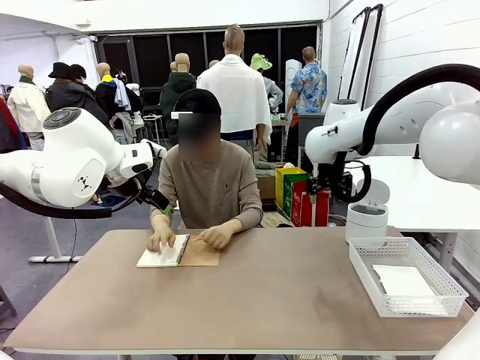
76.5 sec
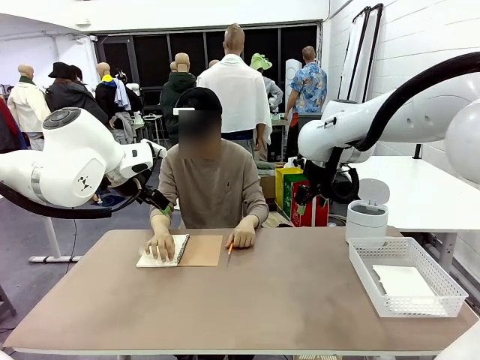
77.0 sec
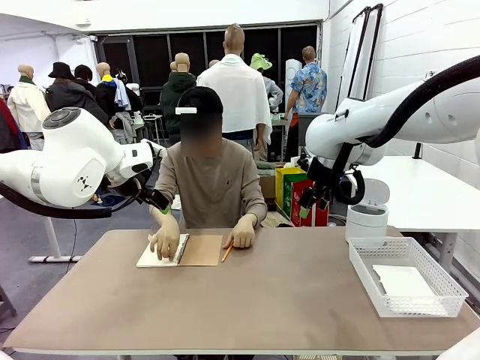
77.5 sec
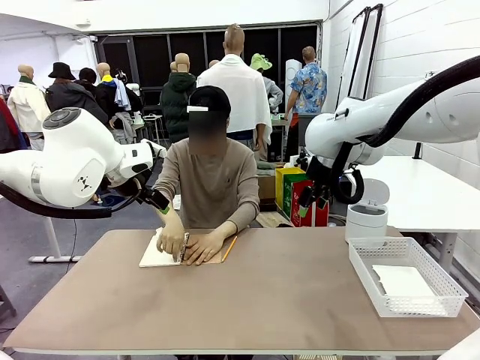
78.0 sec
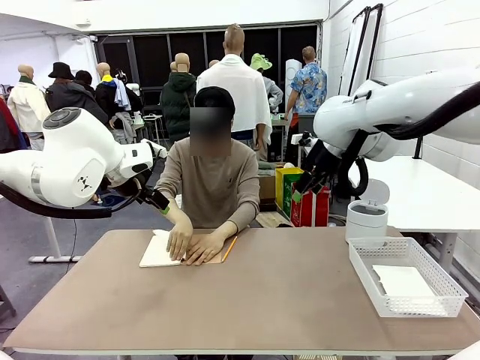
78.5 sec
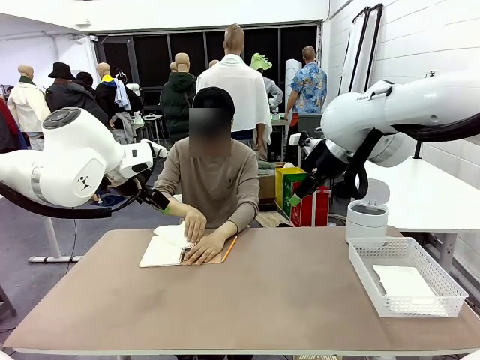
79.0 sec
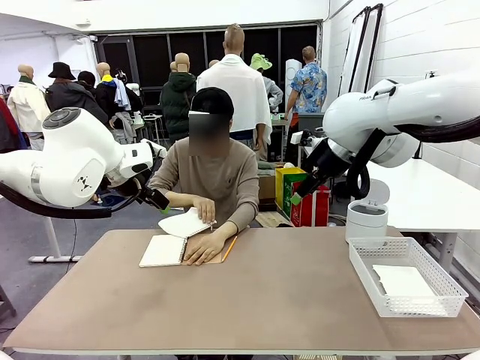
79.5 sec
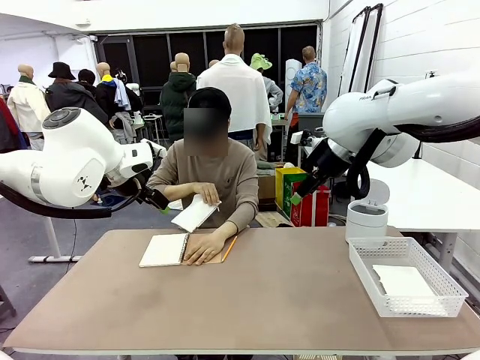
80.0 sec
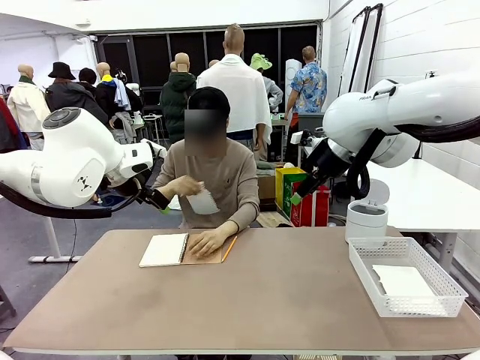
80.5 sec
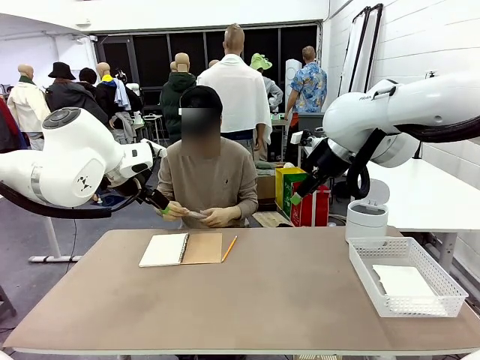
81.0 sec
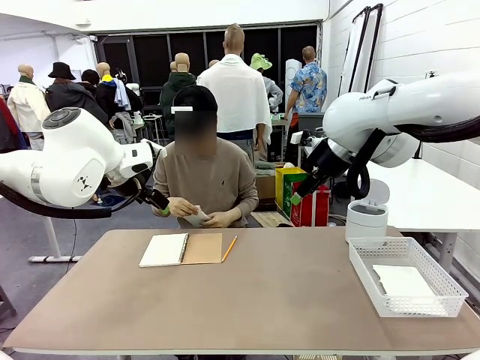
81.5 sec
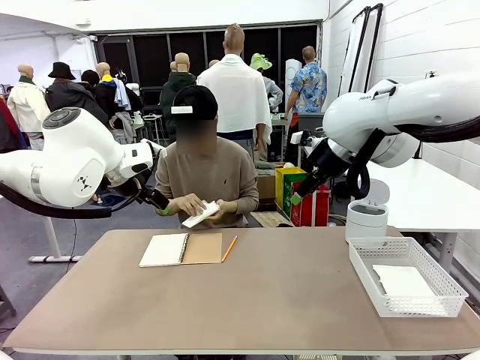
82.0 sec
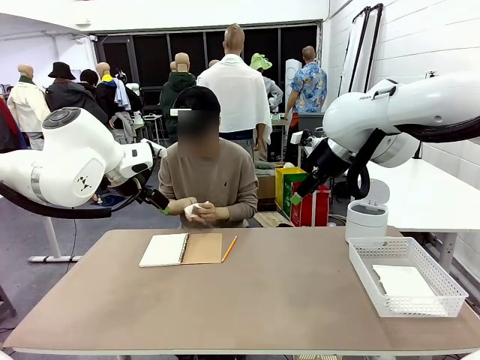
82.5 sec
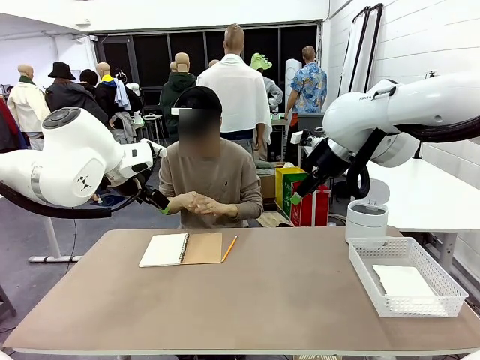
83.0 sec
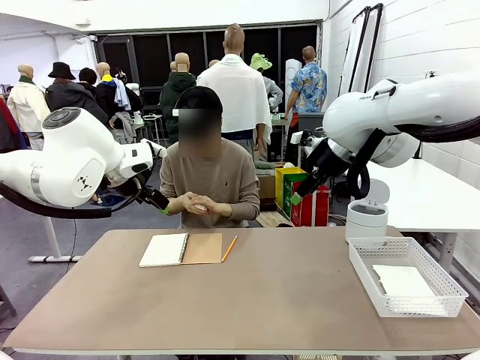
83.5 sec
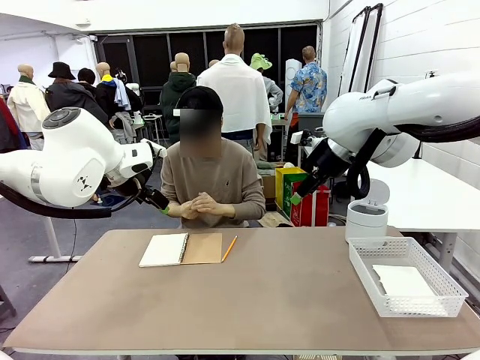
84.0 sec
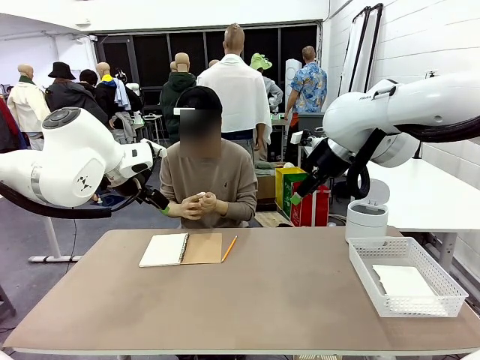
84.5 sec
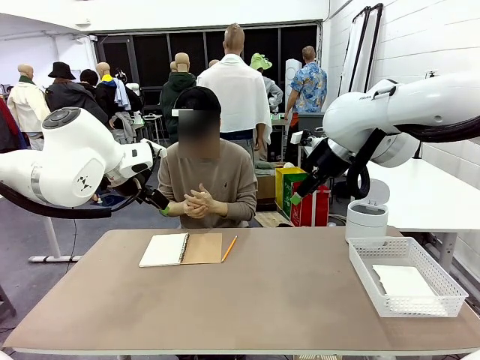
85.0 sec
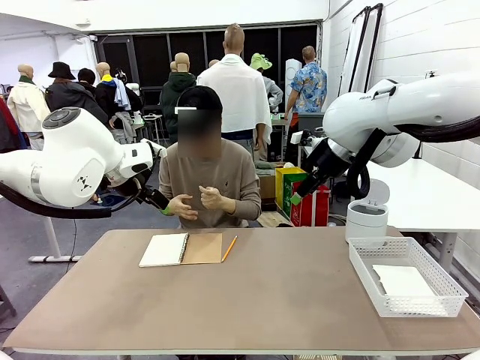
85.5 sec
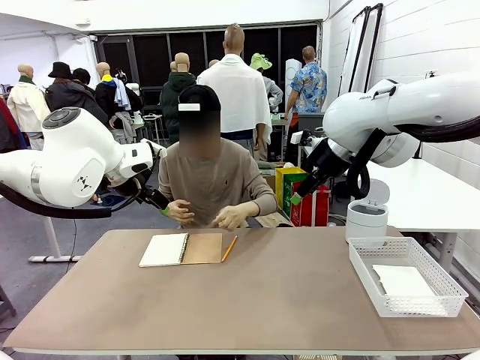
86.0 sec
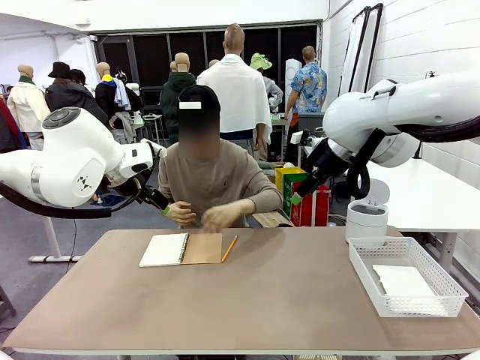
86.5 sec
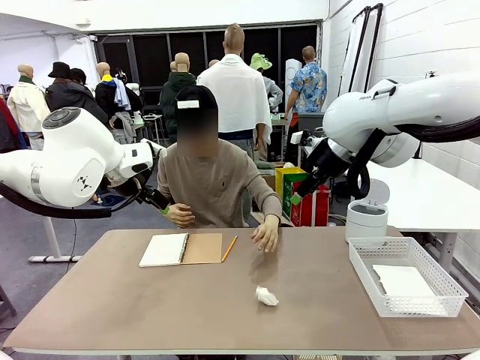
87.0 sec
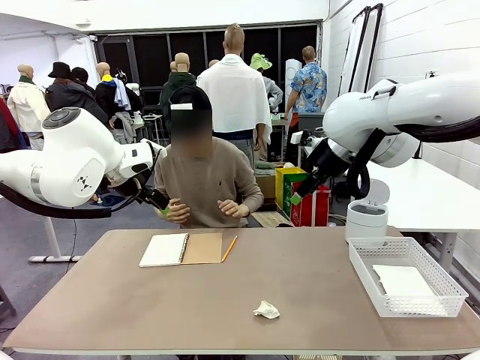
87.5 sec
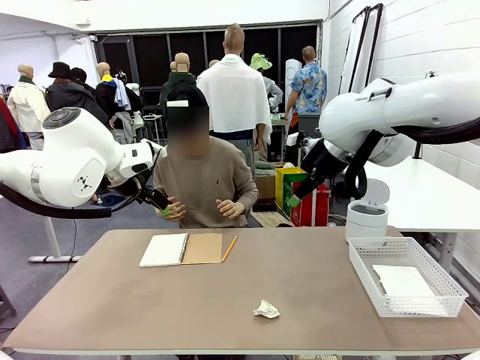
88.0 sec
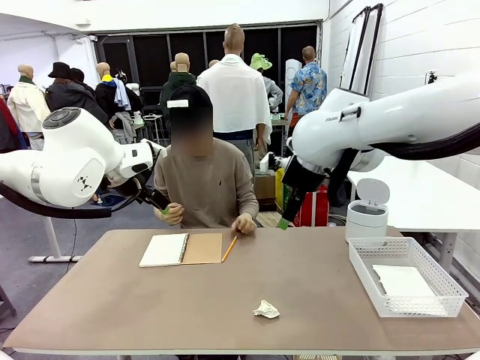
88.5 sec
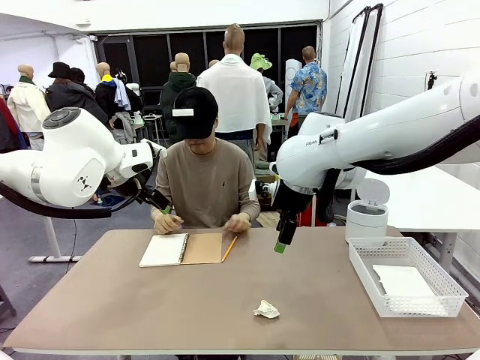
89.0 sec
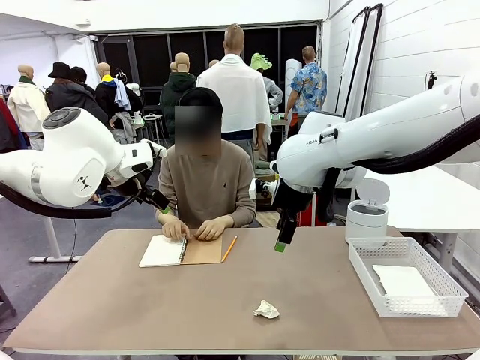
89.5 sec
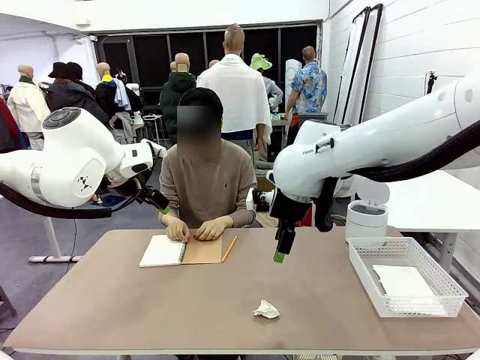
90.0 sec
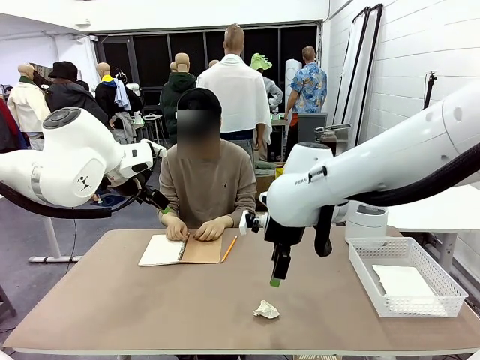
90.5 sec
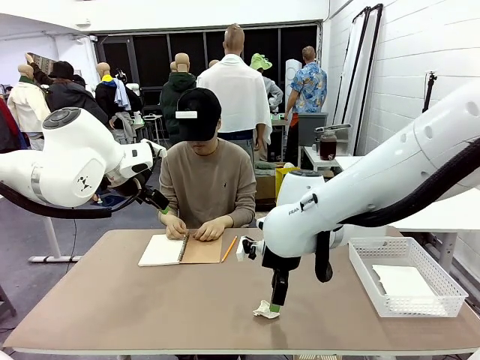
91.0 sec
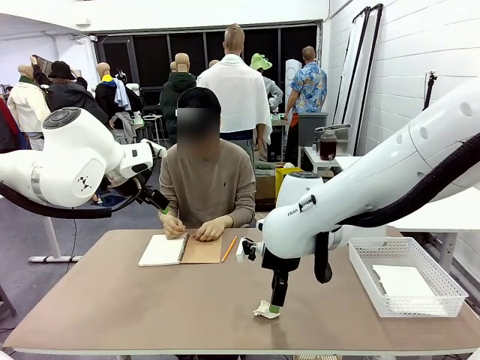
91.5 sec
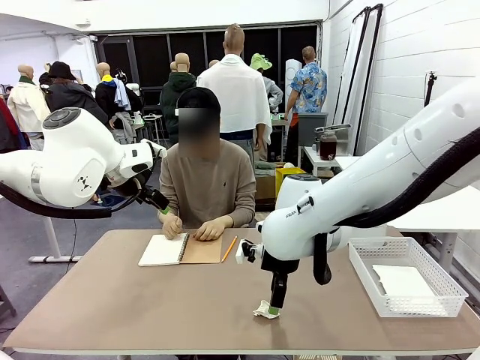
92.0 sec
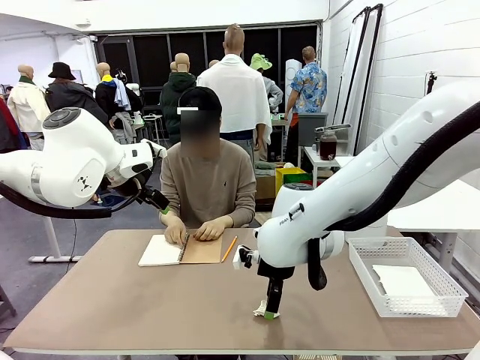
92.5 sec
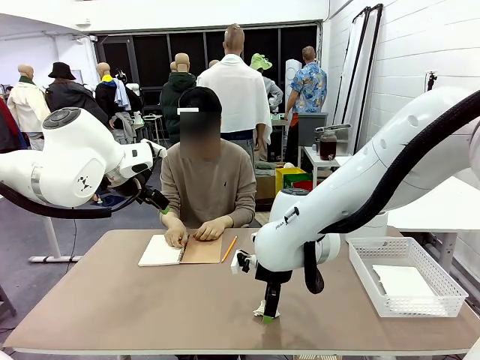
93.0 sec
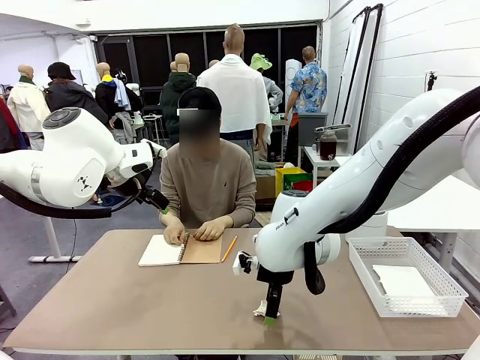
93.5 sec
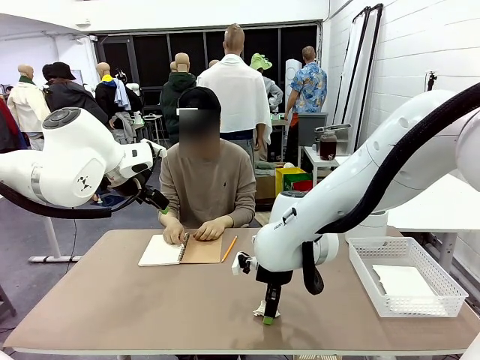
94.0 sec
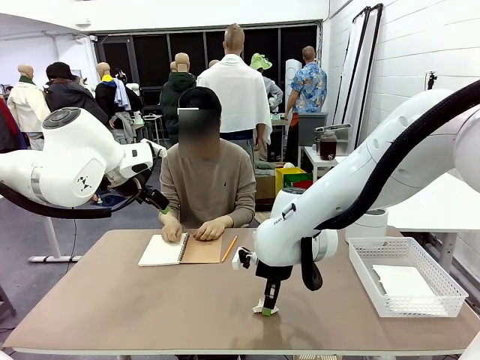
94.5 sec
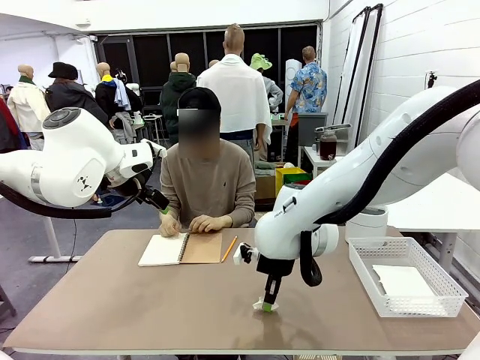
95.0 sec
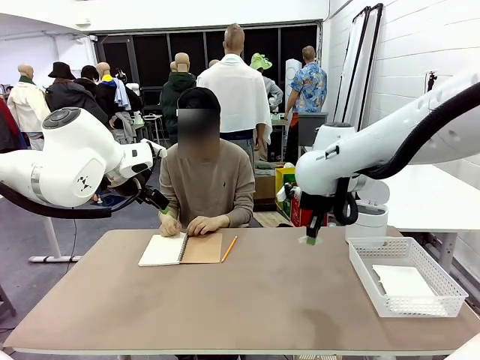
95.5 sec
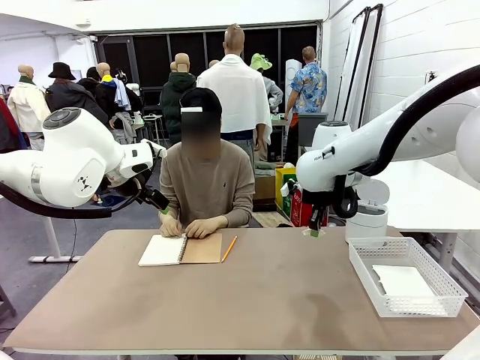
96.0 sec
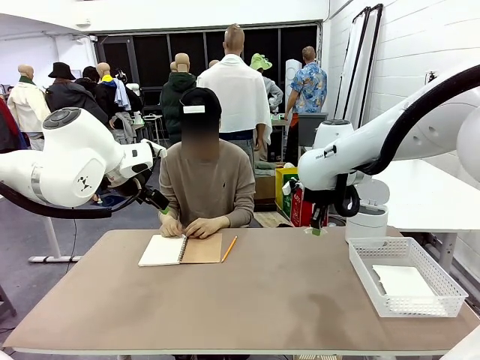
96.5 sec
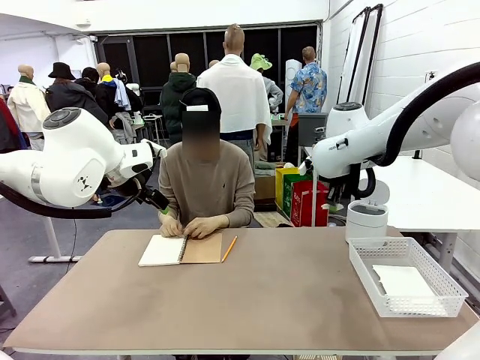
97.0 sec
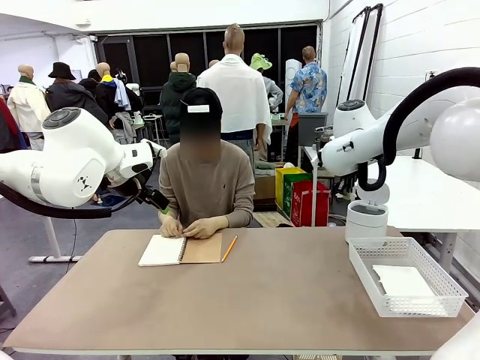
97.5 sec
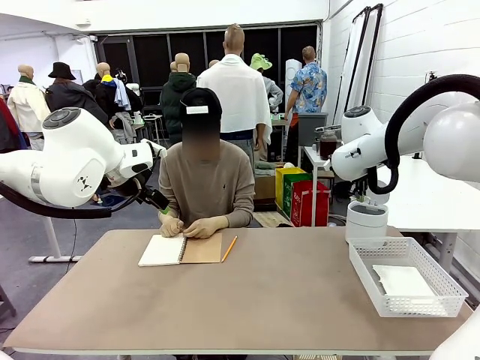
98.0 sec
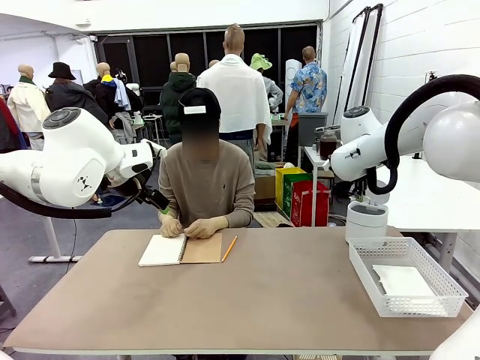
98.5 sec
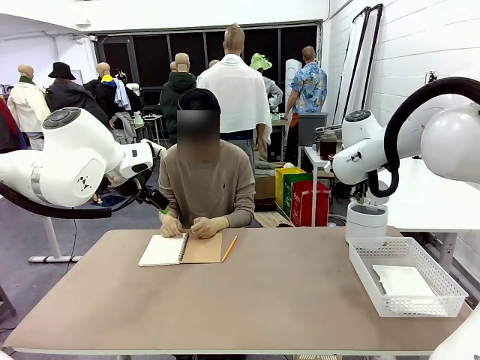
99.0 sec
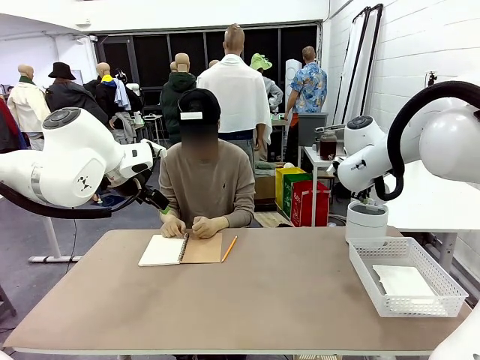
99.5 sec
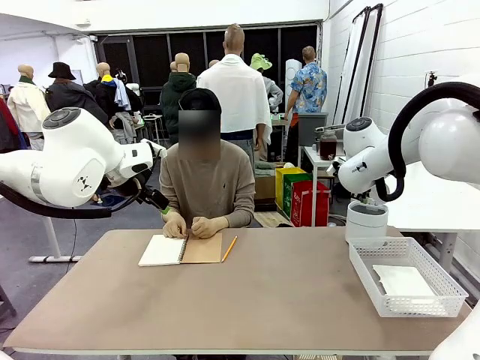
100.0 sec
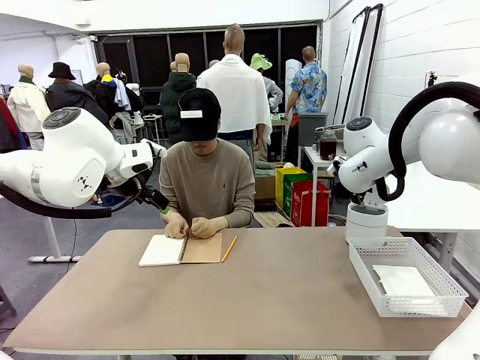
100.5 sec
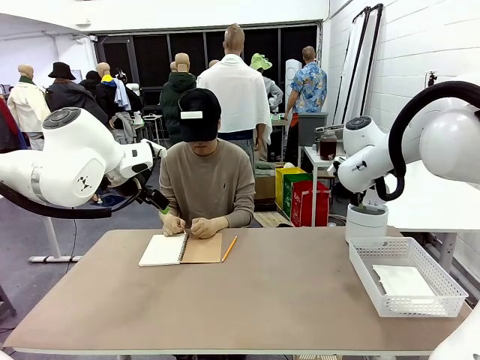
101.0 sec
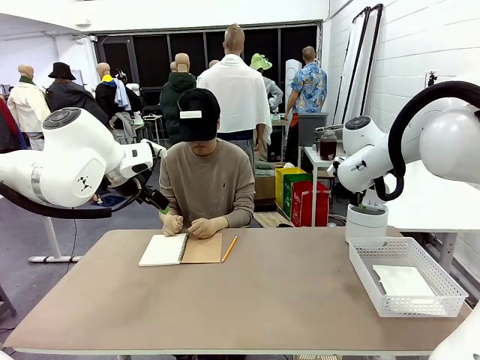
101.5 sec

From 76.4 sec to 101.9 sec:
Task: Sort the paper based on its condition.
Robot: If a person hands you a paper, place it in the Organizing basket , and if it's crumpled, put it in the Trash can.
Person: Hand the torn page to the robot or crumple it and throw it to the center of the table.
